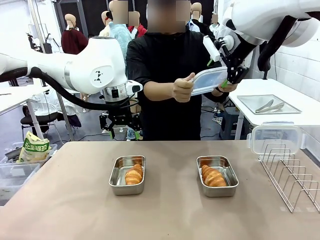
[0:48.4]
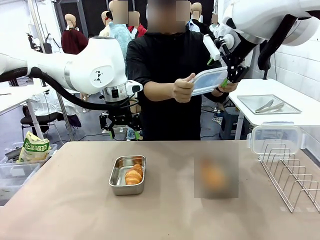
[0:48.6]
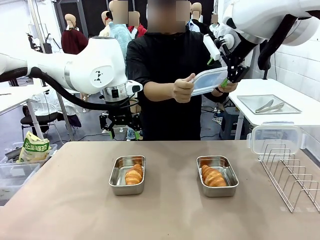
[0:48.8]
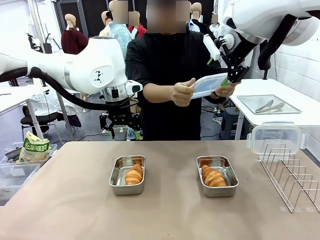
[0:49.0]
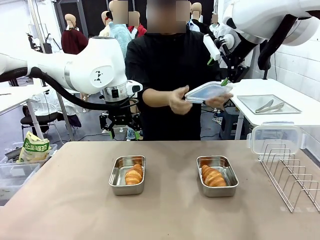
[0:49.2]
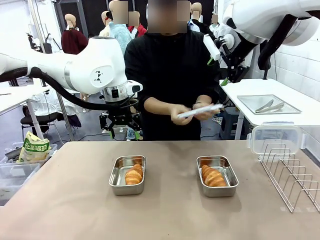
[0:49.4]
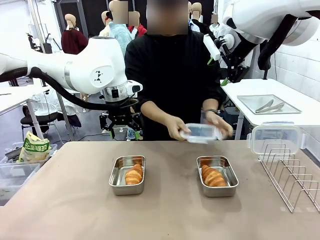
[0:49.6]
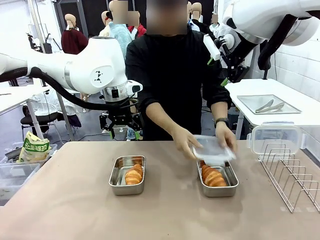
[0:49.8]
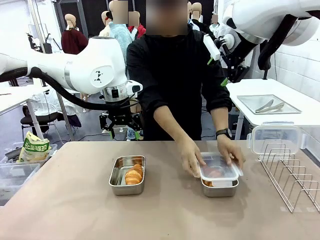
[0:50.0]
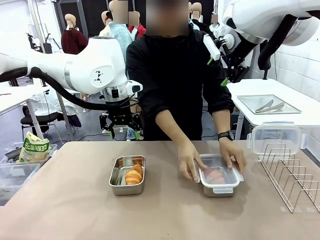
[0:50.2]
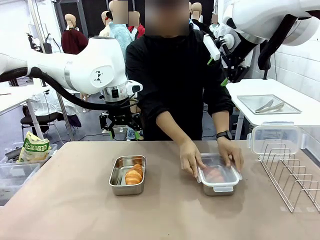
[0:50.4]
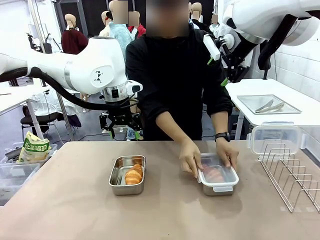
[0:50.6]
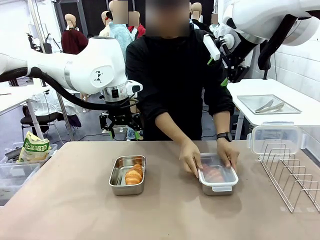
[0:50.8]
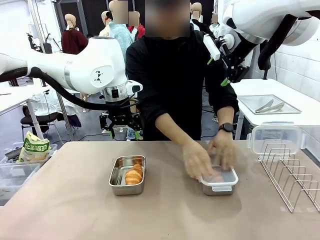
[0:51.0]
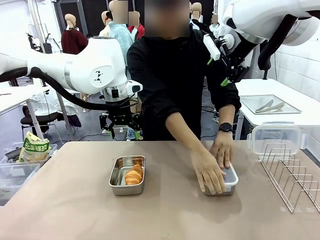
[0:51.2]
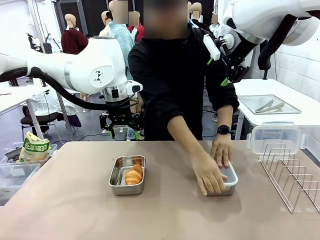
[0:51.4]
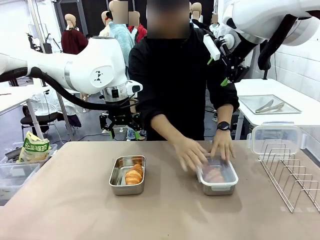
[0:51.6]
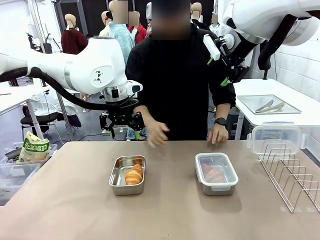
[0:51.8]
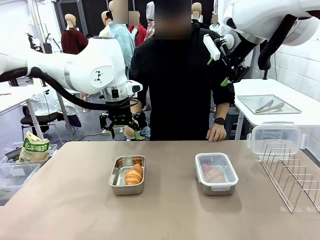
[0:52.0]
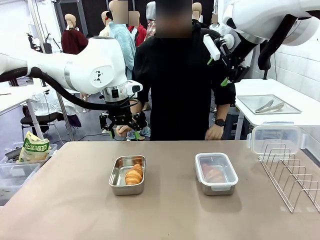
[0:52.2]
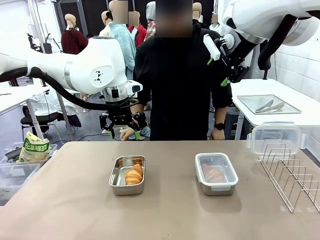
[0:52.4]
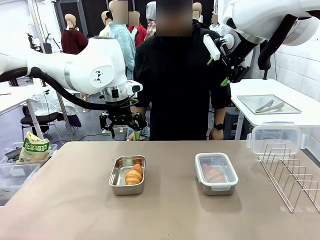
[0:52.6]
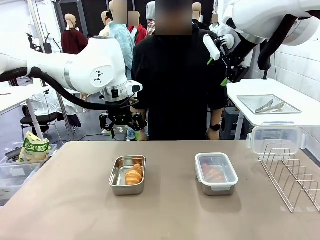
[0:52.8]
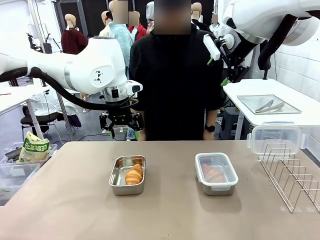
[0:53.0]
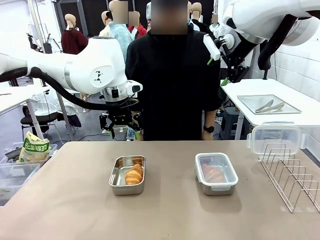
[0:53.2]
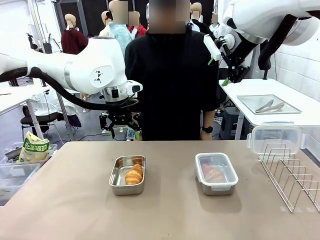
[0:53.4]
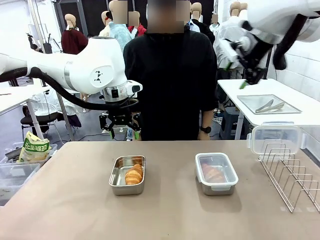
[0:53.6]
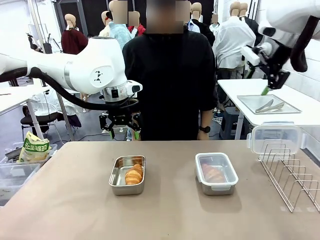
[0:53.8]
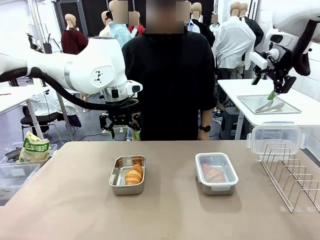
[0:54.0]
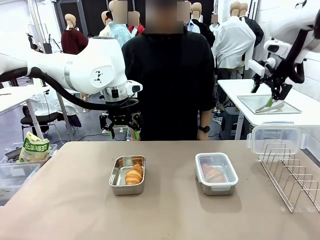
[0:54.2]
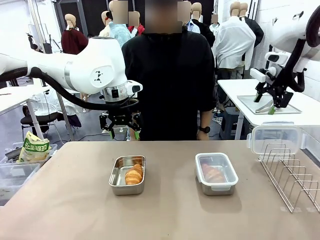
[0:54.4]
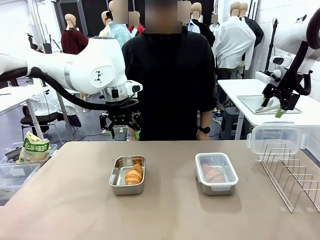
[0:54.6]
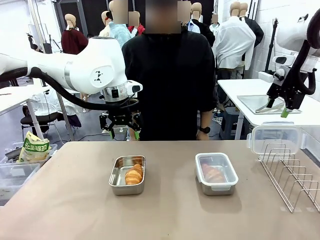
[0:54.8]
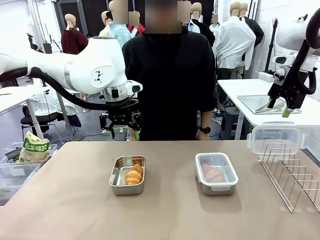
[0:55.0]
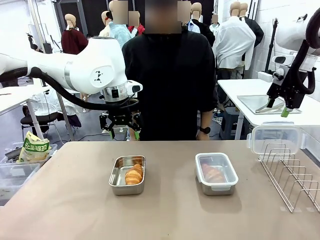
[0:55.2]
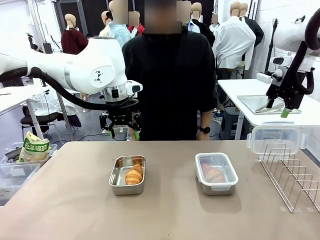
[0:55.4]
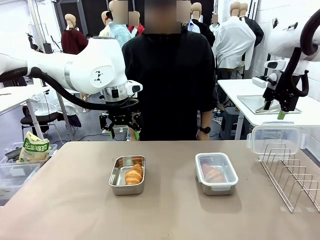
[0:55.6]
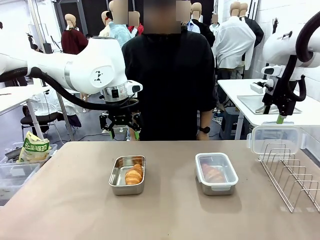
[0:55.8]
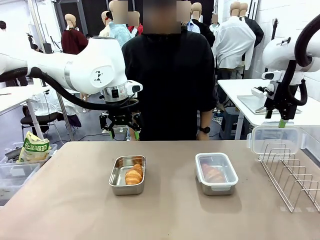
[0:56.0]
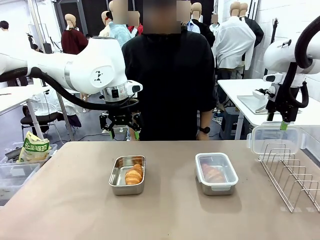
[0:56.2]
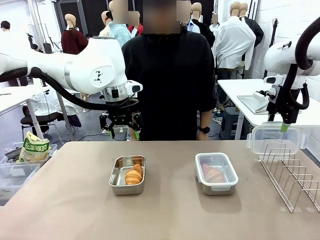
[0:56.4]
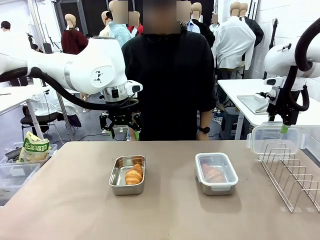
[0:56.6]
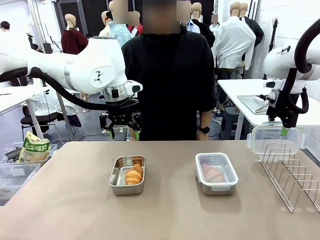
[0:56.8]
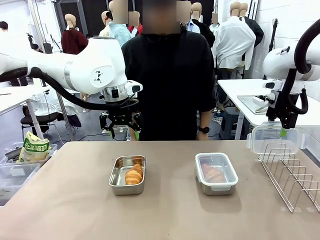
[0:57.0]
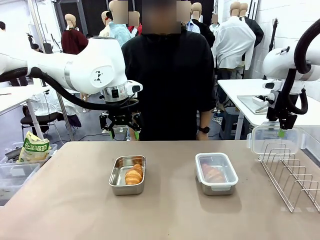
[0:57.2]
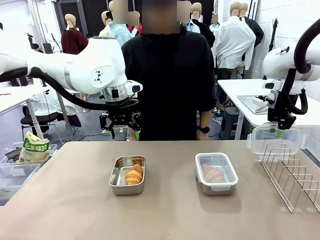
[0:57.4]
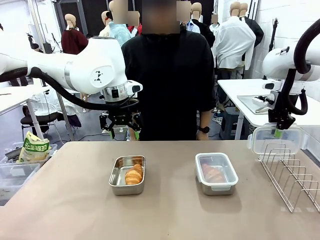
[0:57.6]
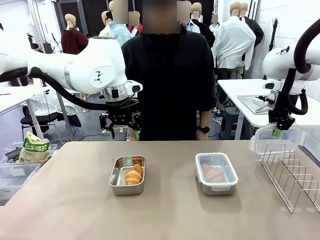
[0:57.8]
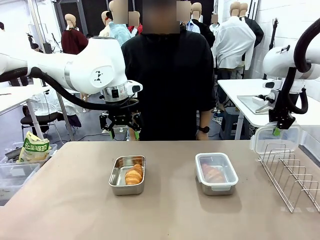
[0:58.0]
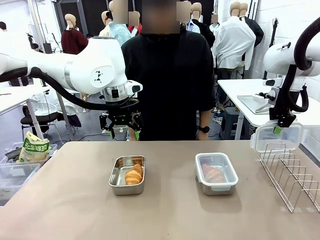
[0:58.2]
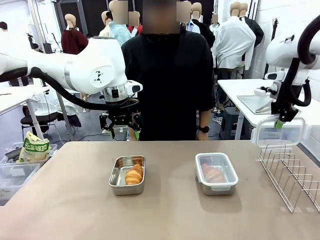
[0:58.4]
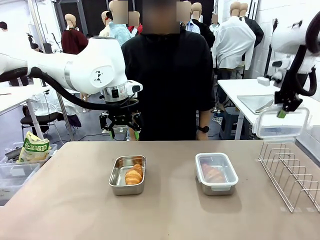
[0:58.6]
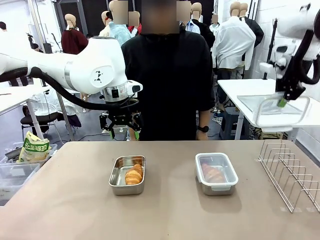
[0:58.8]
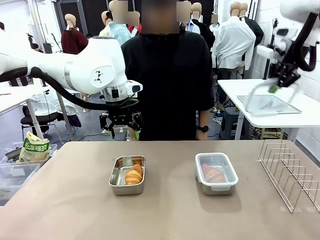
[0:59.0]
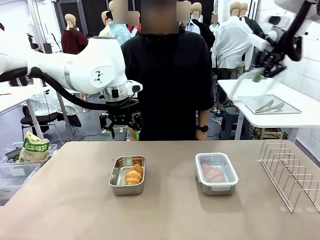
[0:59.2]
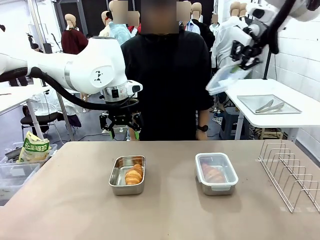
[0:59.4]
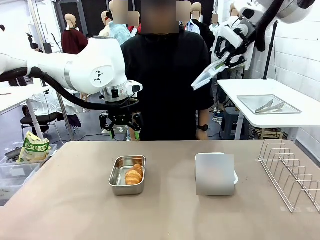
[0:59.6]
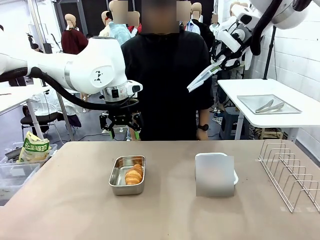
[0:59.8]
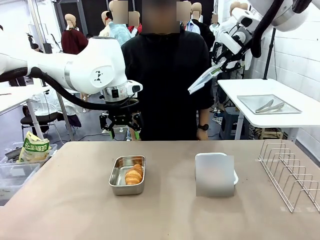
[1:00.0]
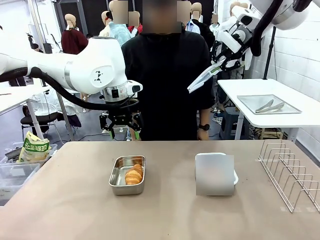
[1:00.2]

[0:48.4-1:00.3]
Task: Place the bread in airtight containers.
Robot: Pick up one Airtight Container lid and hand it to the human.
Person: Close Airtight Container with a handed Airtight Container lid. Grip Airtight Container lid that robot is handing.

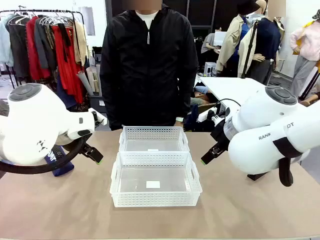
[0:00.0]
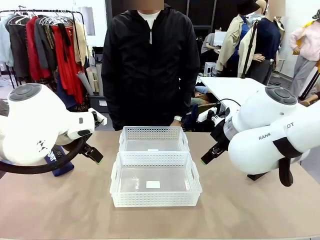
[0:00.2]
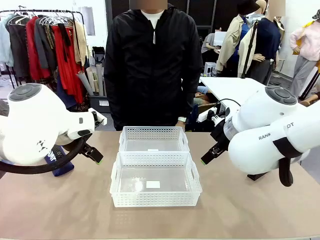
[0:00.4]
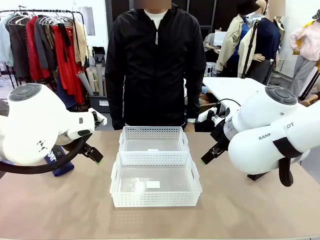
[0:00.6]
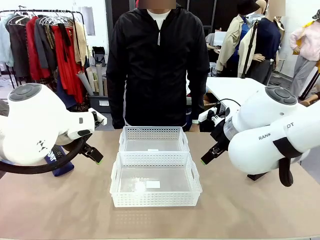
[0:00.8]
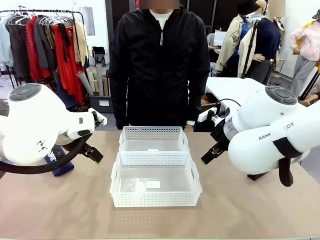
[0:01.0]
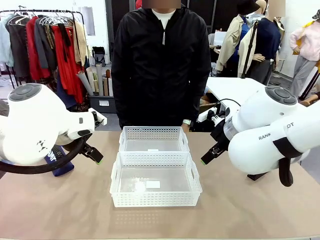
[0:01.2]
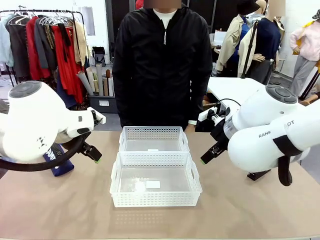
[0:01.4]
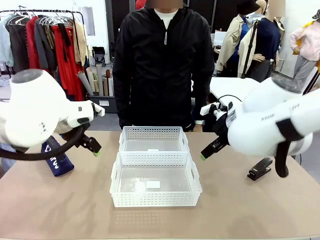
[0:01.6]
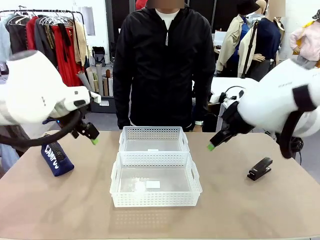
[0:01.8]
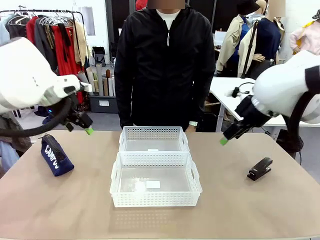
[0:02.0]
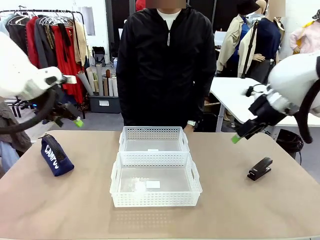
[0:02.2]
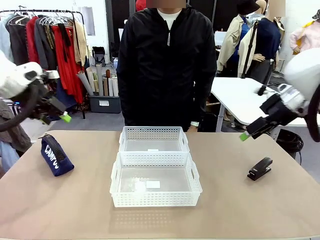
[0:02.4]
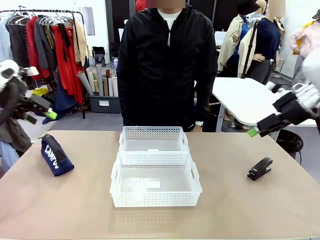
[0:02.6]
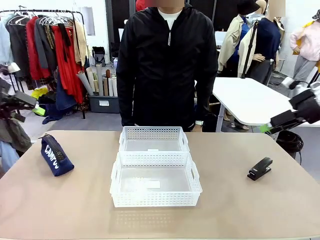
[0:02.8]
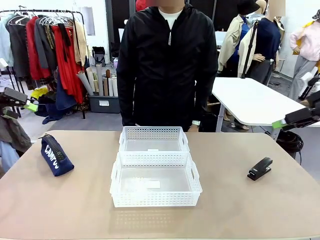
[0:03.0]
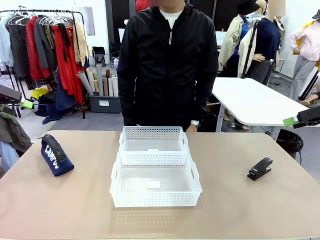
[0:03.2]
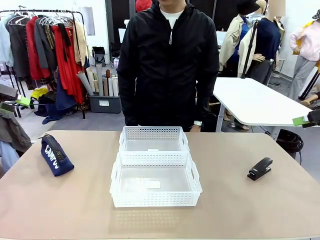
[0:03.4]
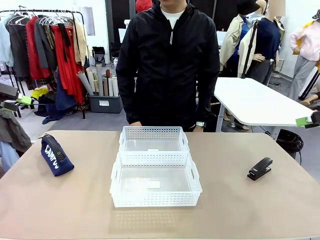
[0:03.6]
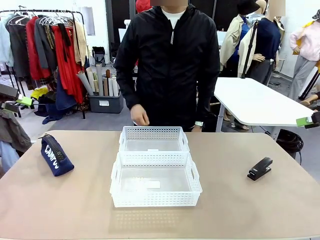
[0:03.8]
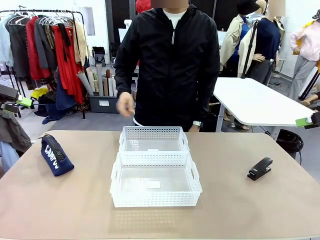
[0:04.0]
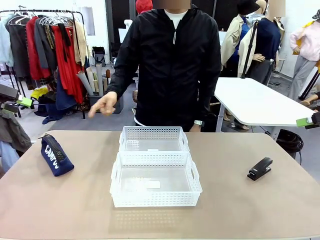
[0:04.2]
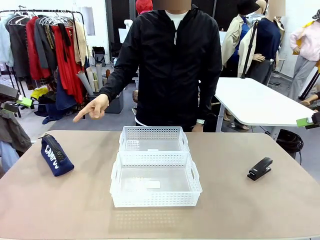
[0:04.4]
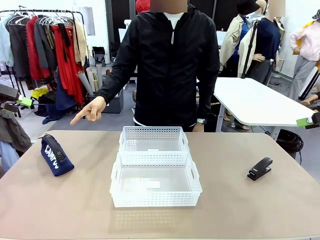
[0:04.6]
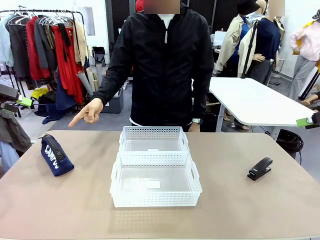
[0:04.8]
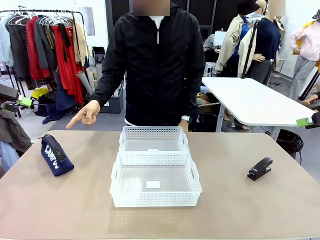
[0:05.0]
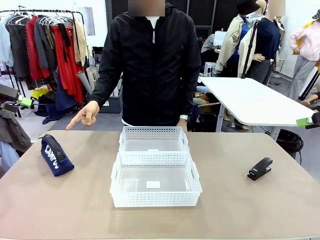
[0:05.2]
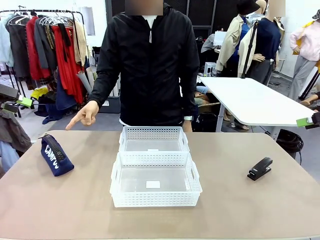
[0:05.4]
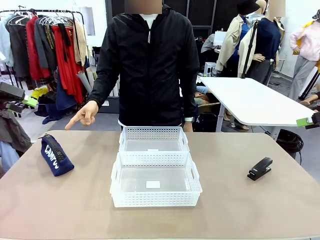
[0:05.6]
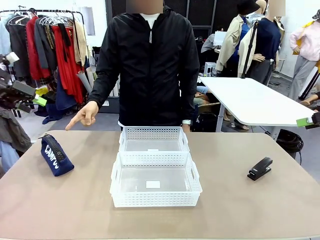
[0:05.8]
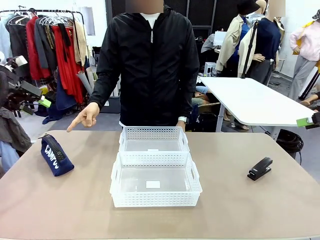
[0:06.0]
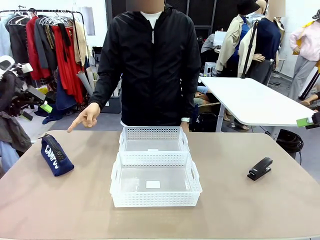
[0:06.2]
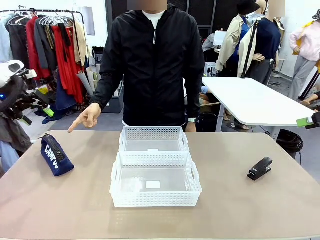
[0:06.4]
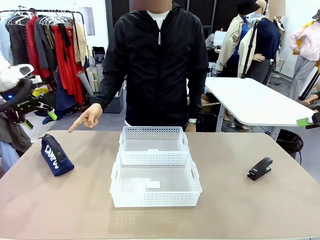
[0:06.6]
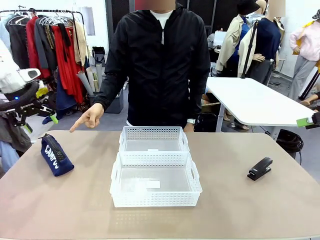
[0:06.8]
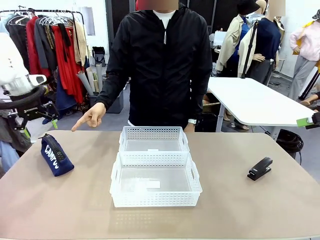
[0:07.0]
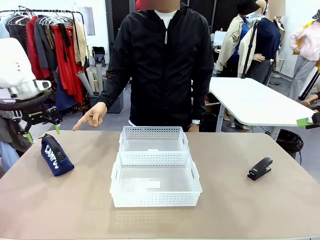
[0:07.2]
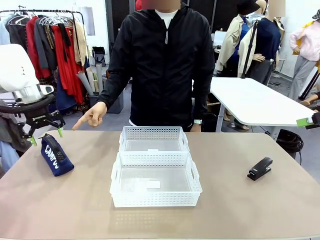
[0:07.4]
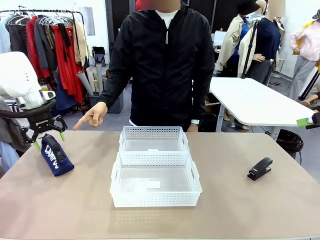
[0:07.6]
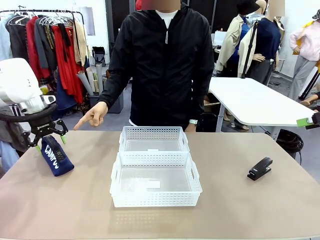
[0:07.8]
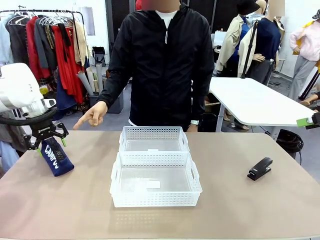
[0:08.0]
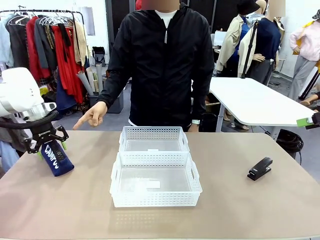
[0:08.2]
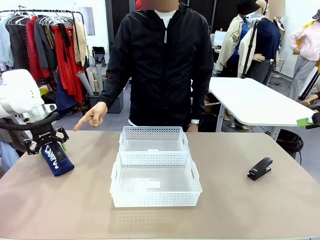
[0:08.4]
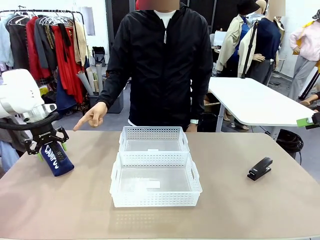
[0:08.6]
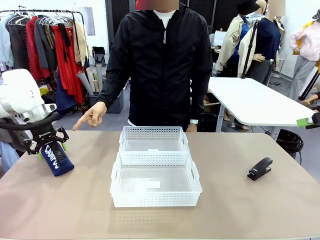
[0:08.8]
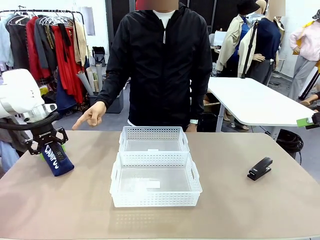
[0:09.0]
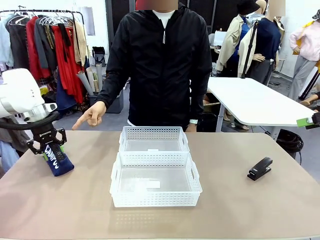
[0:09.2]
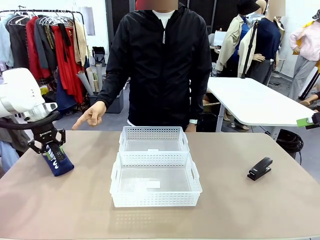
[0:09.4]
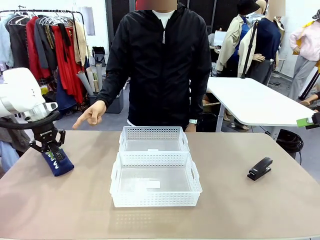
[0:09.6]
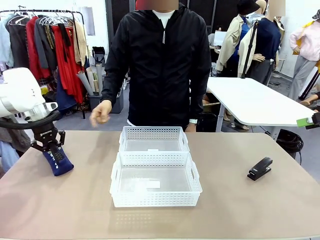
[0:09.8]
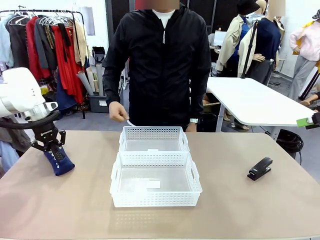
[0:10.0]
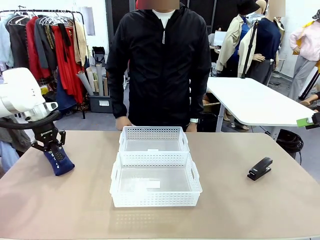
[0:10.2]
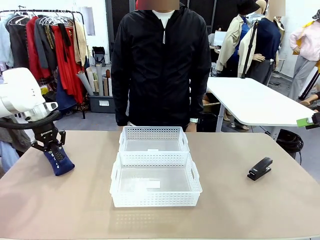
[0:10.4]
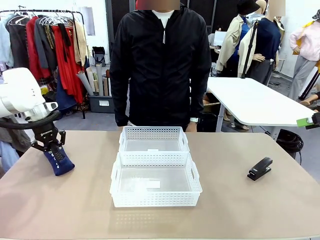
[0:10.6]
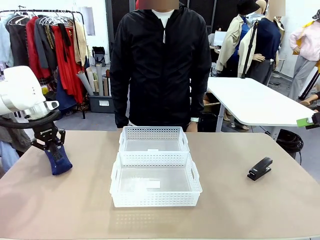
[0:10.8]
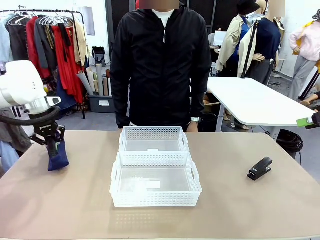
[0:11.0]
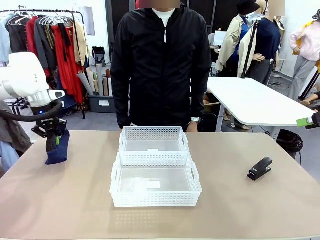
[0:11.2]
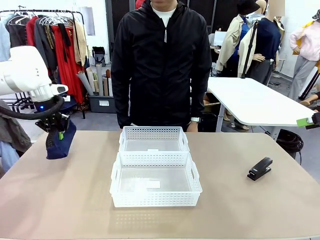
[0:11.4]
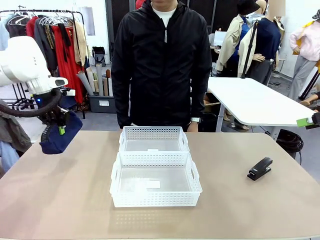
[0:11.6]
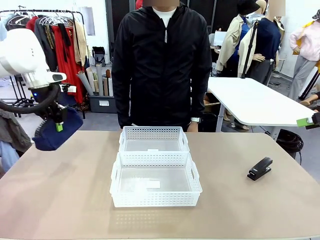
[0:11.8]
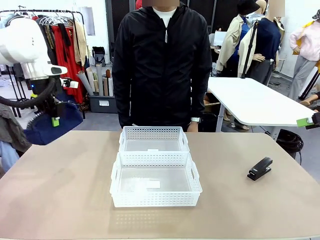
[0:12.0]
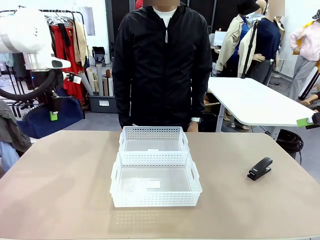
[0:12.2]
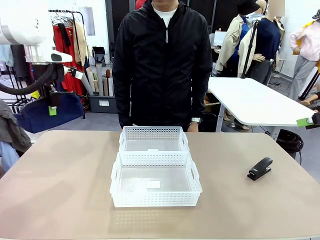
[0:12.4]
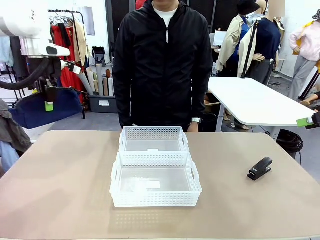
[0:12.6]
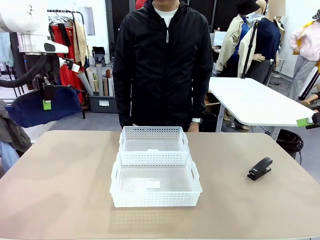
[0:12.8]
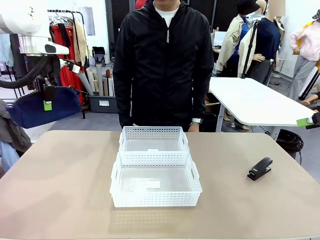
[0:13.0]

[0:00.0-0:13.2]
Task: Distribute items into two baskets.
Robot: Pick up the Pencil pouch that the person points to.
Person: Points to the pencil case. Points between the two organizing baskets and instructs the robot to move the pencil case.
